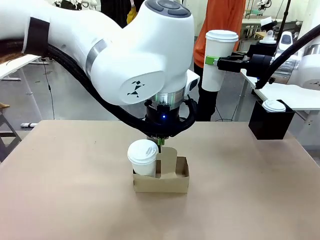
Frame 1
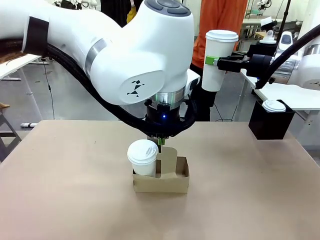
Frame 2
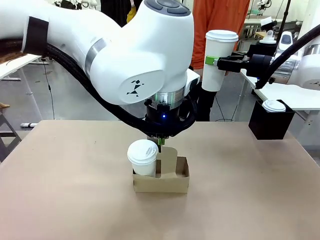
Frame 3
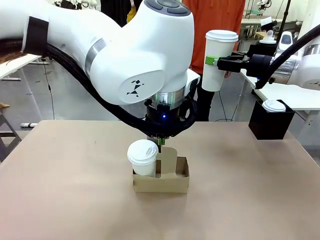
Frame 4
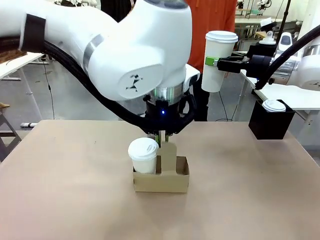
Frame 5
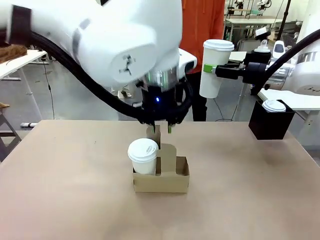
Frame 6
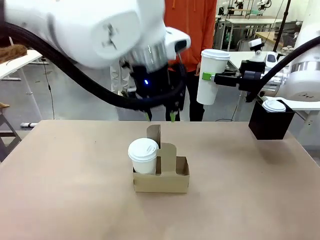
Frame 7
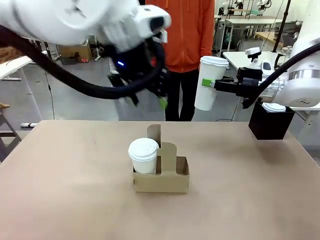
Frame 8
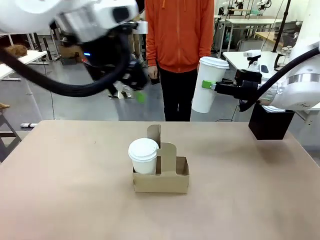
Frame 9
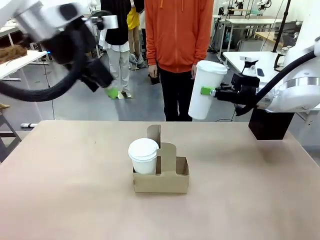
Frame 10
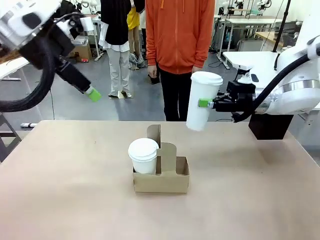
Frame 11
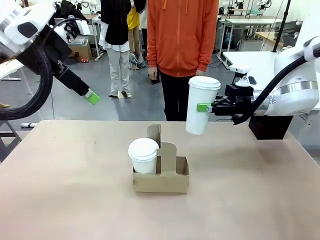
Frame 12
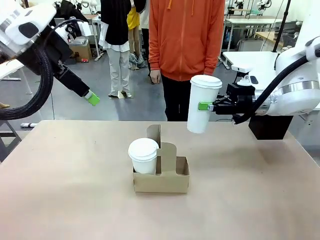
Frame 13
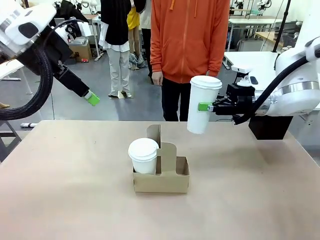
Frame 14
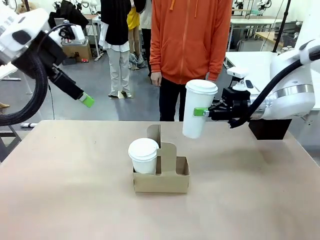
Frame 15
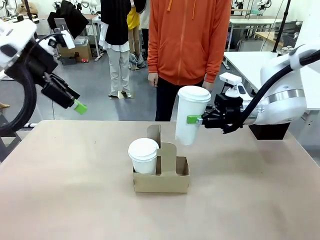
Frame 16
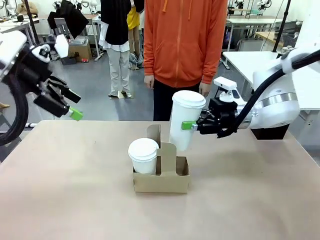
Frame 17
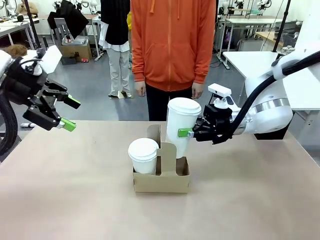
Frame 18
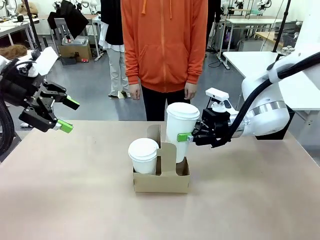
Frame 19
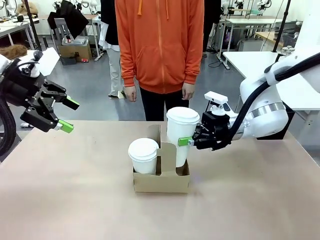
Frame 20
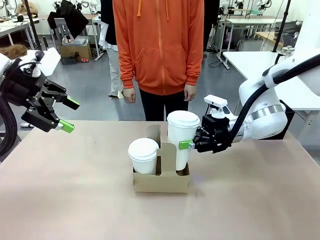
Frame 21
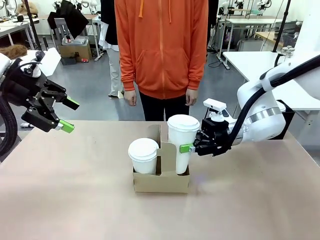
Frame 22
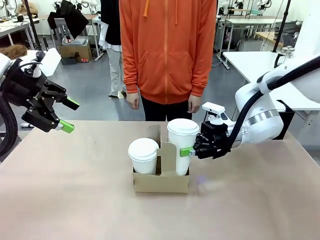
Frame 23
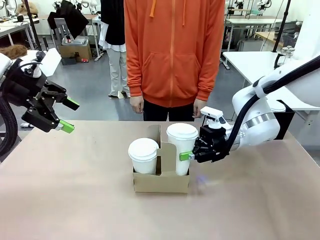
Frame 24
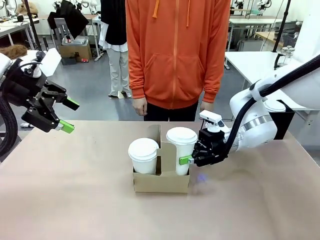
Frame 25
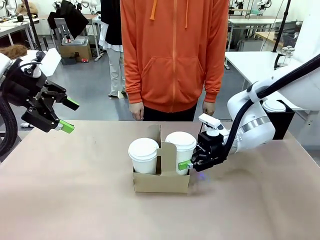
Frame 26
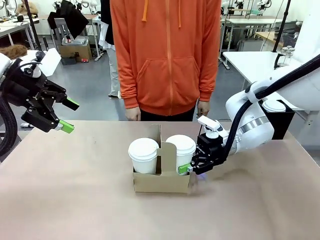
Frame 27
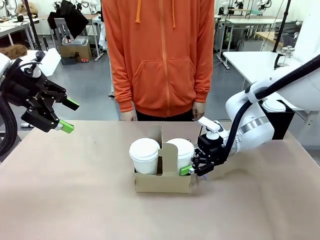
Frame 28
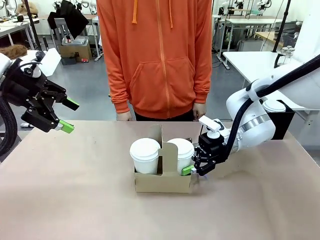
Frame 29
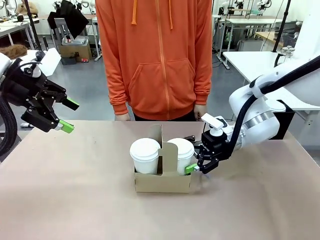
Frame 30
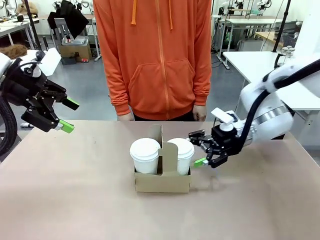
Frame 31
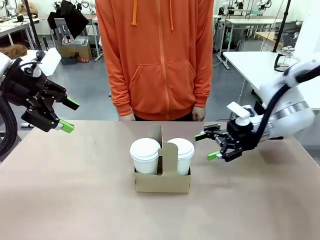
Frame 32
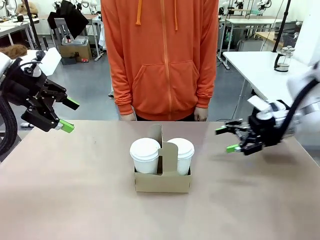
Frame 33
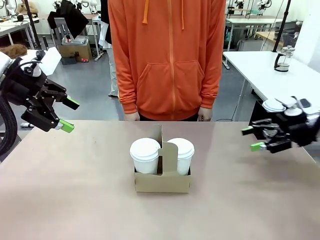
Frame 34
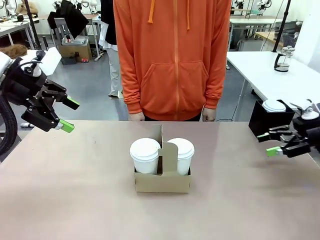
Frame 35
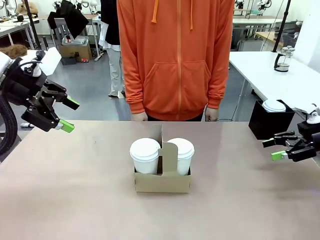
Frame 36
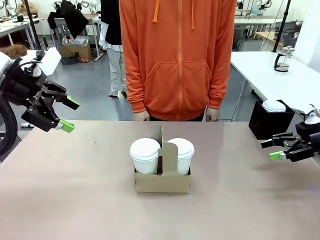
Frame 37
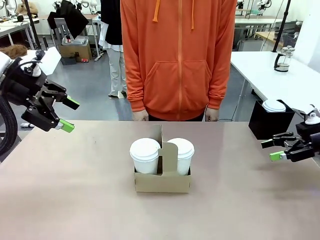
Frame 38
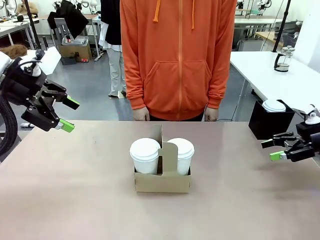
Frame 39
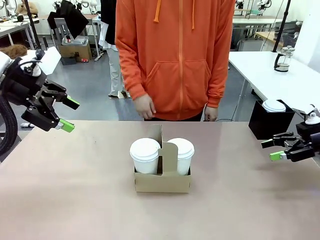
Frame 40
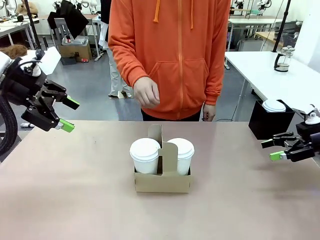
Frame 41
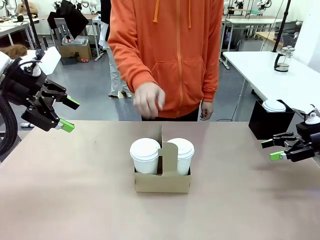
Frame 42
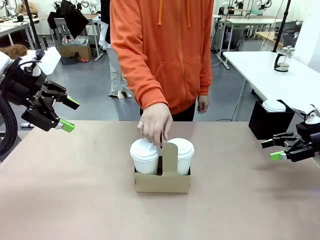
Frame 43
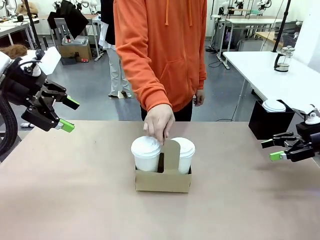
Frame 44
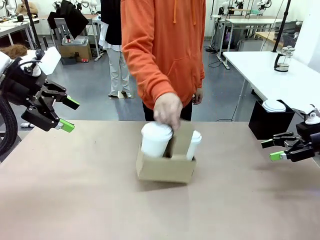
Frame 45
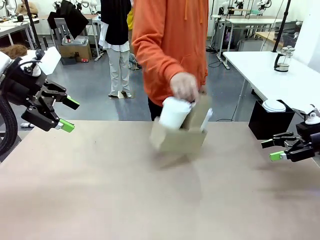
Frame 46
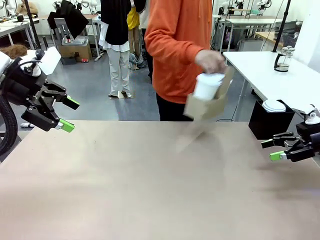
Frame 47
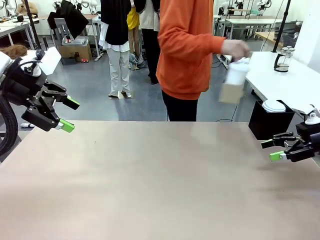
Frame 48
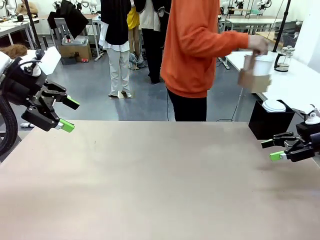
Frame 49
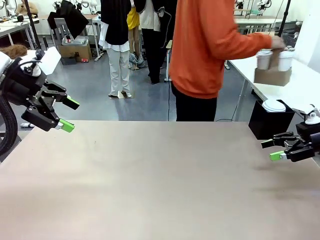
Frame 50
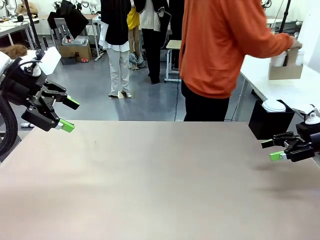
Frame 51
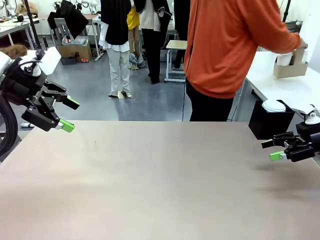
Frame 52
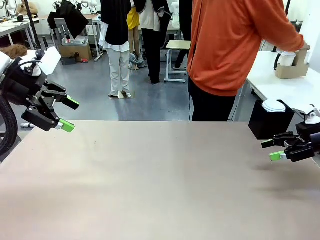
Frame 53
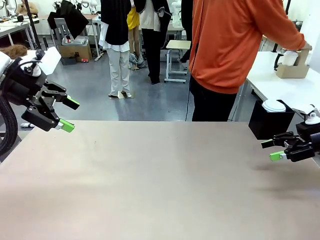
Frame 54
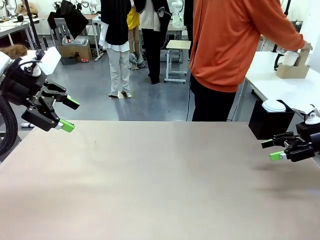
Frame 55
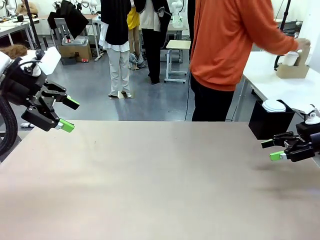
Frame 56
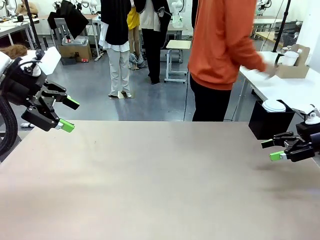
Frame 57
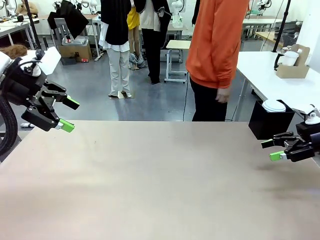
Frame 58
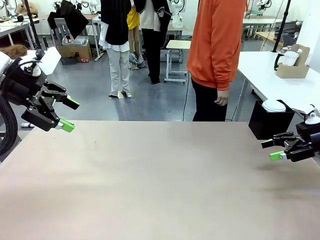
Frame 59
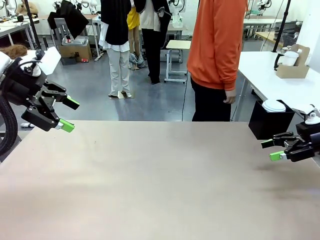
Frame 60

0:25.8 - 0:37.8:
Task: Pour a drink into a cup and package it in a carrier.
Robot: Insert the held 600 ml Paper Cup into the Cup Carrier.
Person: Place the Cup Carrier to the middle of Human table.

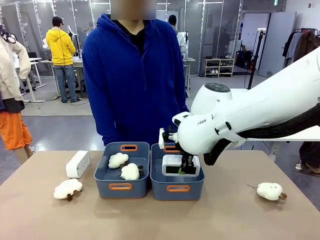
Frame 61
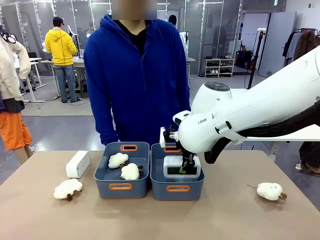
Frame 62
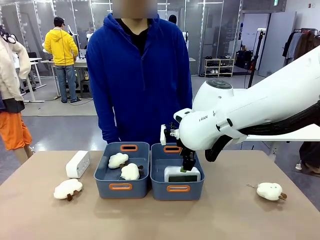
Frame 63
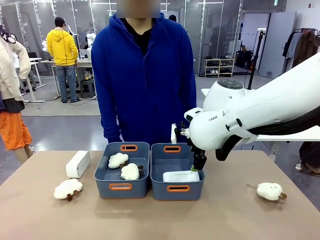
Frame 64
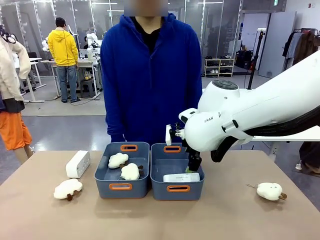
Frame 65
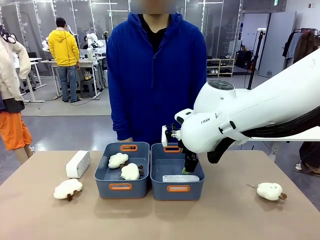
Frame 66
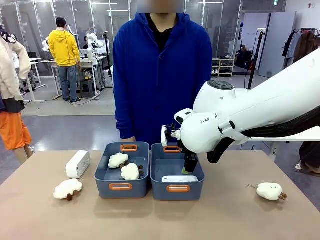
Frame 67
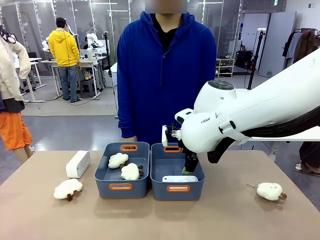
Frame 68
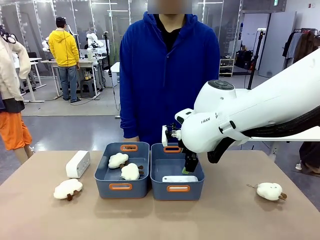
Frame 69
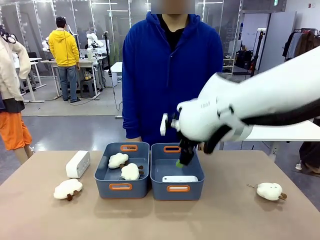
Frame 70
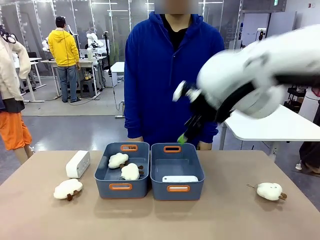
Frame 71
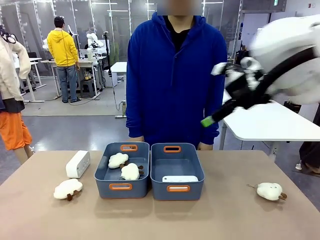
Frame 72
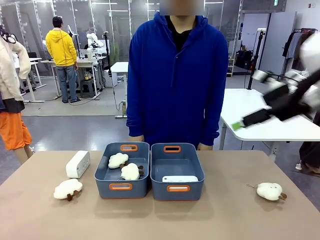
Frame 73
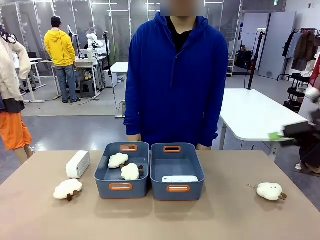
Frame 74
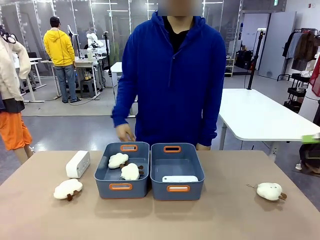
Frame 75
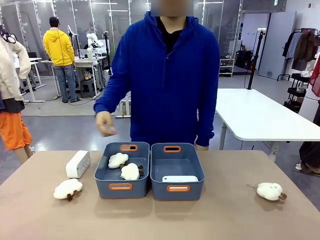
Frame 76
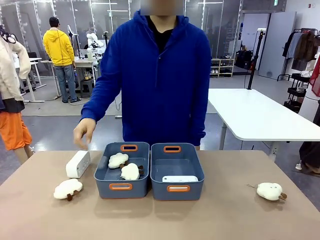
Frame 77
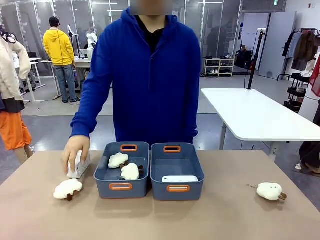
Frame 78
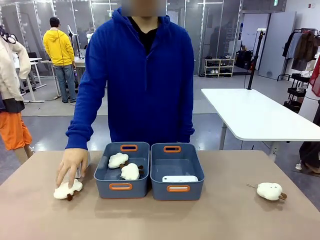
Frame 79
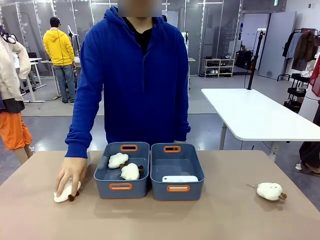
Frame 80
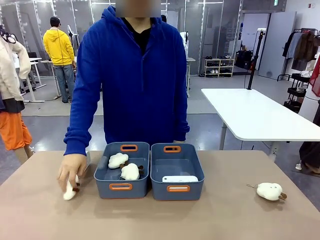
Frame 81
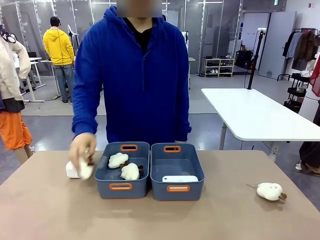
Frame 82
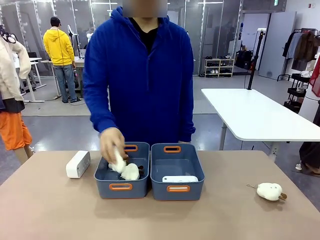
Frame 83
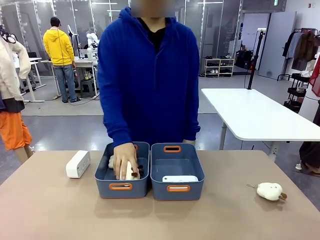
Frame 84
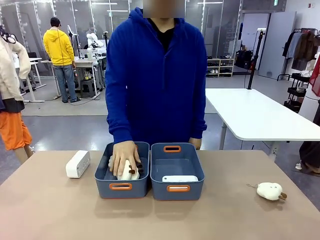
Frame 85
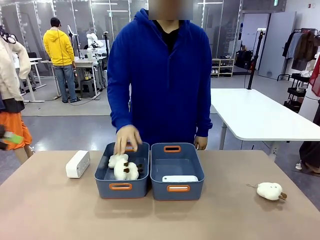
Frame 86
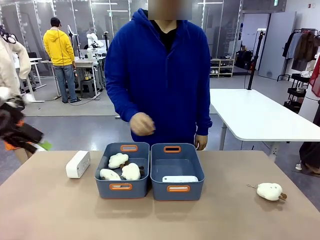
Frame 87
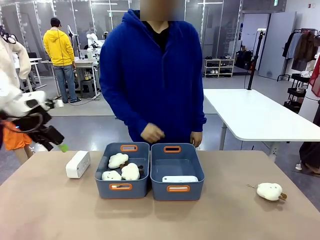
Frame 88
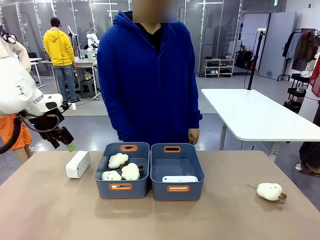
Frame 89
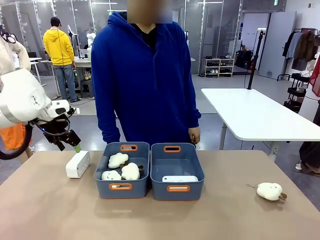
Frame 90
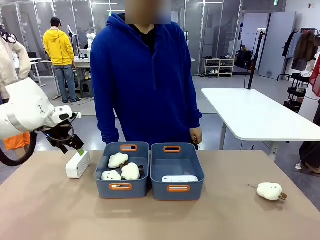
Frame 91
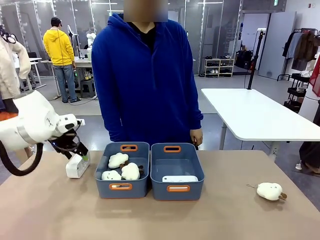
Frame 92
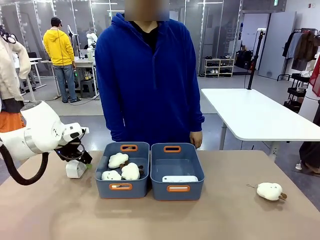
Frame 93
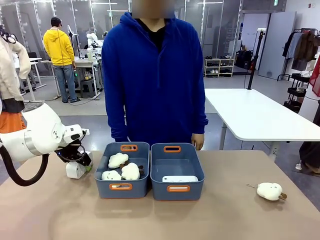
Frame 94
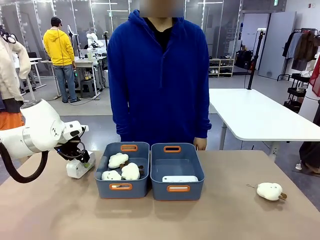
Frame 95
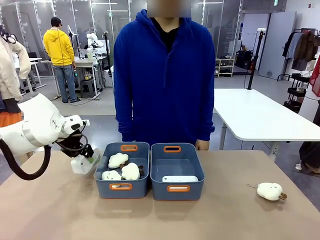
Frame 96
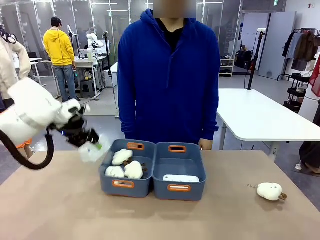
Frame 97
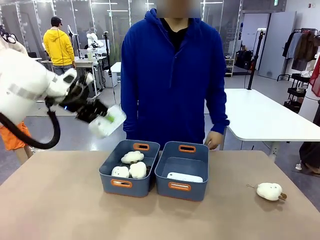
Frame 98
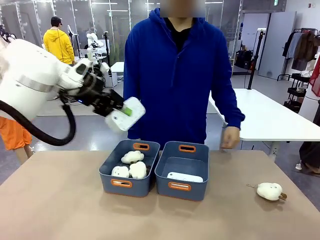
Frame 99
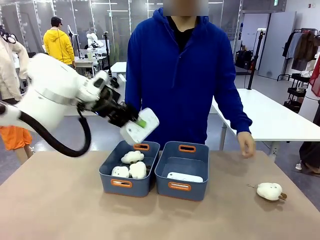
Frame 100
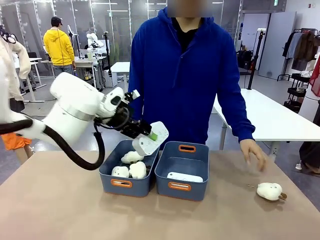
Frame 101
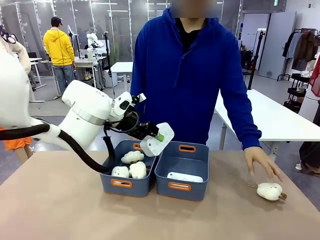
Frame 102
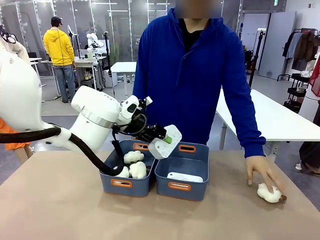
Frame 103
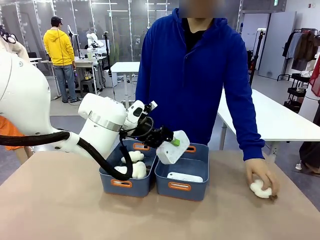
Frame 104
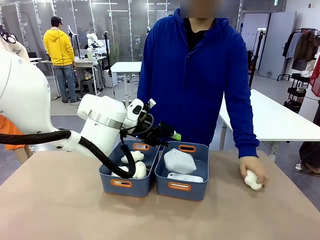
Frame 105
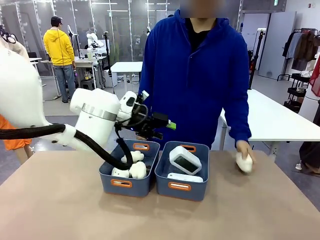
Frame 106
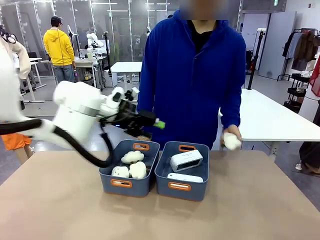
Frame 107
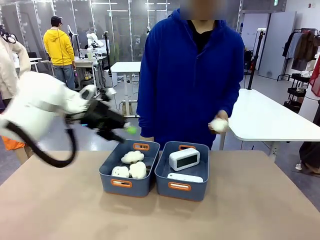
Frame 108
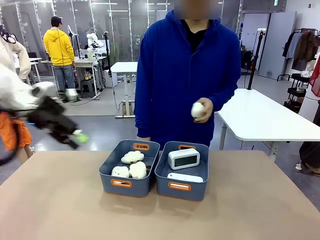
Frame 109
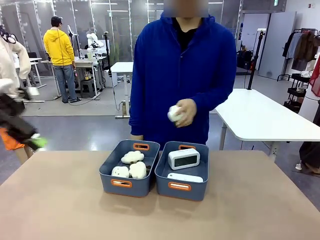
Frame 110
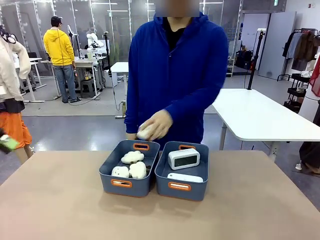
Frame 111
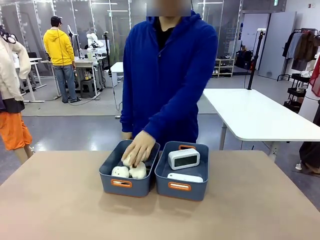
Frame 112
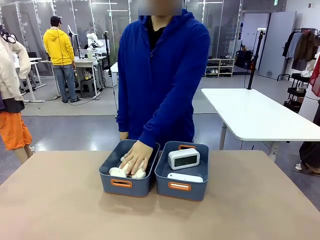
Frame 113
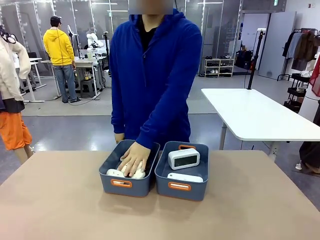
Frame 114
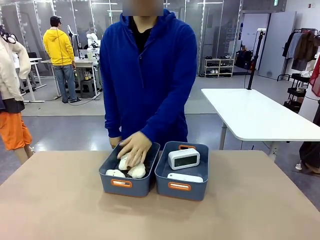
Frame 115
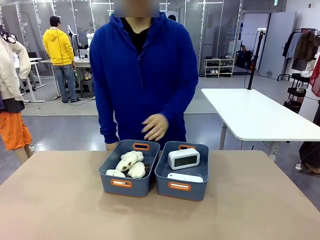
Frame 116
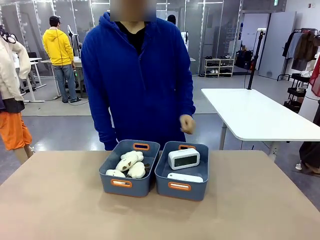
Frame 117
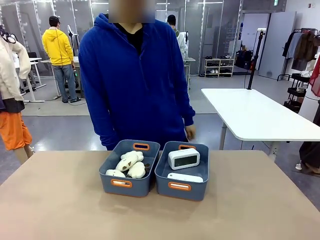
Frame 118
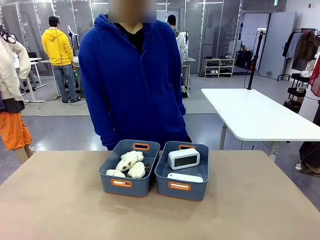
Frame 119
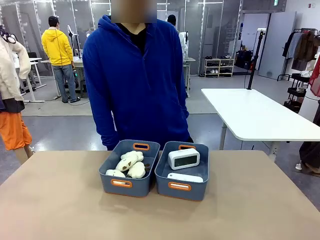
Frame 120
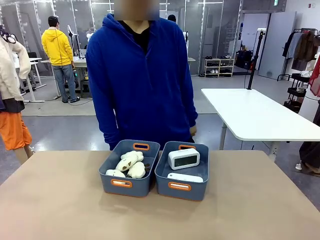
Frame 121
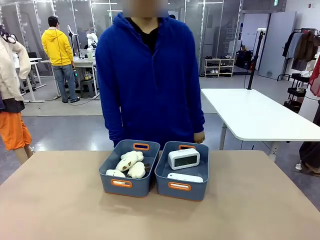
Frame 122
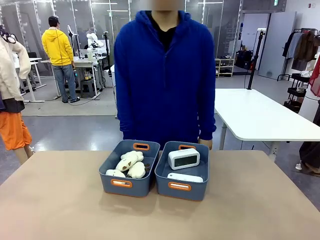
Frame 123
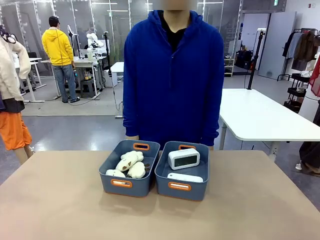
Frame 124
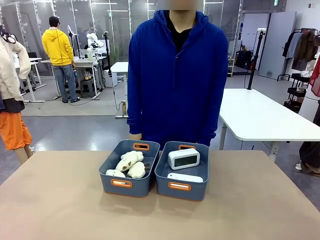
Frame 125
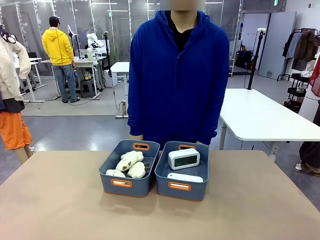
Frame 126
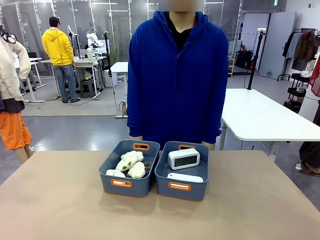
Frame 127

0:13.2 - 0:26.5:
Task: Sort the digital clocks into the basket.
Robot: Pick up the Digital clock from the table and place it into the empty Plastic storage basket.
Person: Pick up a plush toy from the table and place it in the plastic storage basket containing the plush toy.
